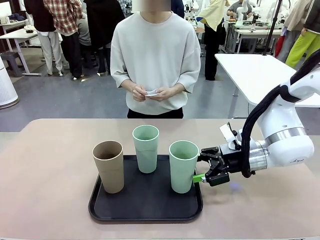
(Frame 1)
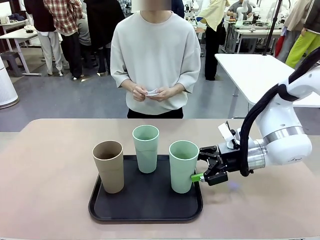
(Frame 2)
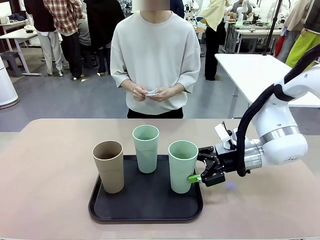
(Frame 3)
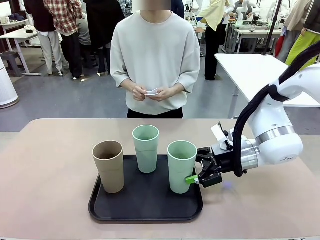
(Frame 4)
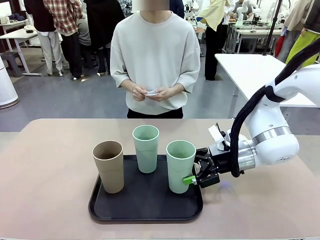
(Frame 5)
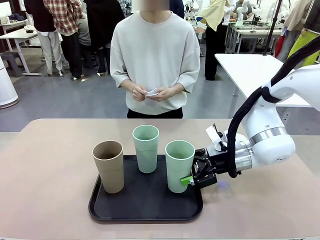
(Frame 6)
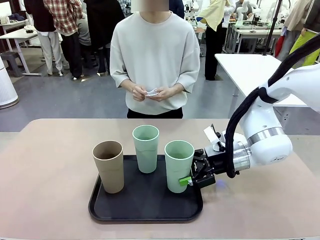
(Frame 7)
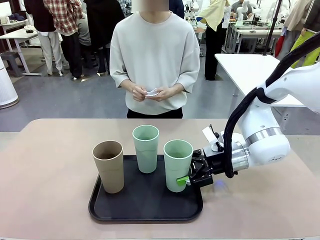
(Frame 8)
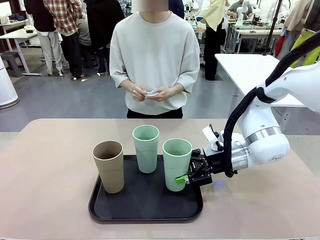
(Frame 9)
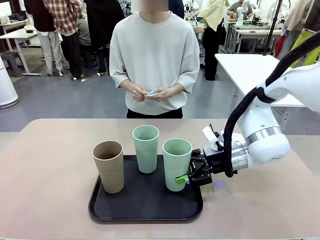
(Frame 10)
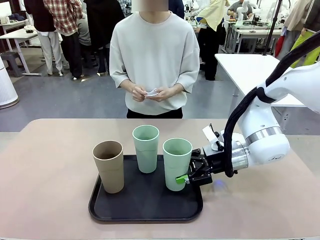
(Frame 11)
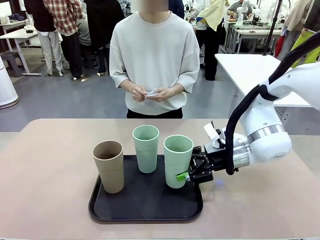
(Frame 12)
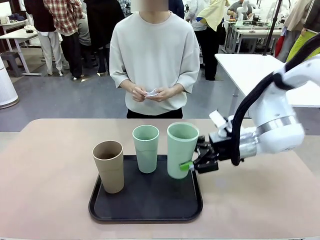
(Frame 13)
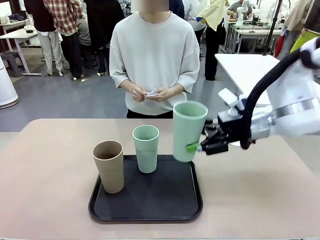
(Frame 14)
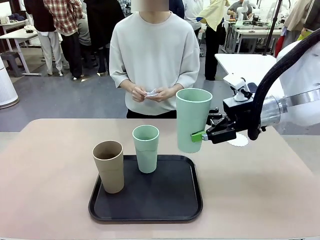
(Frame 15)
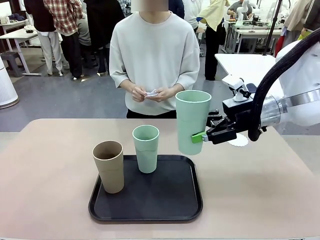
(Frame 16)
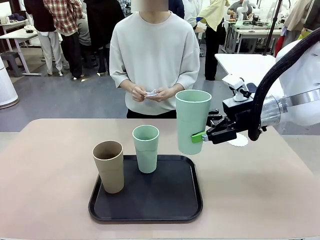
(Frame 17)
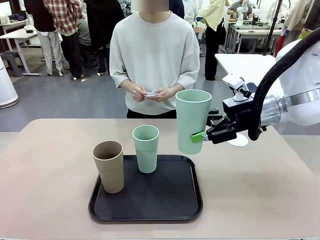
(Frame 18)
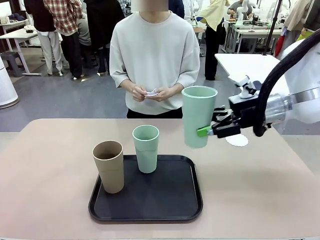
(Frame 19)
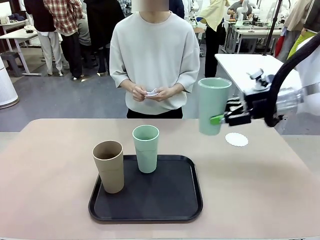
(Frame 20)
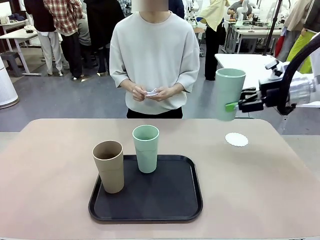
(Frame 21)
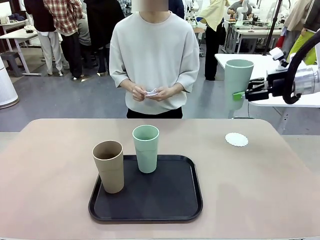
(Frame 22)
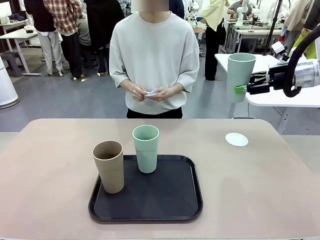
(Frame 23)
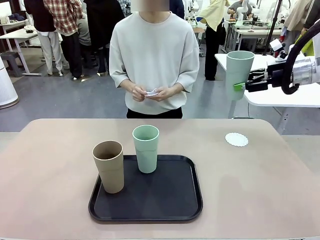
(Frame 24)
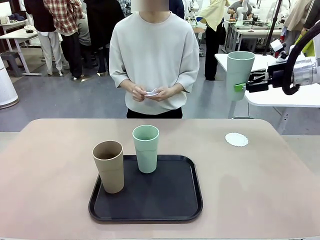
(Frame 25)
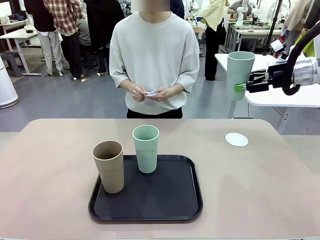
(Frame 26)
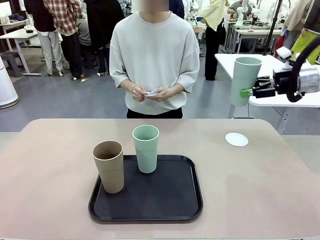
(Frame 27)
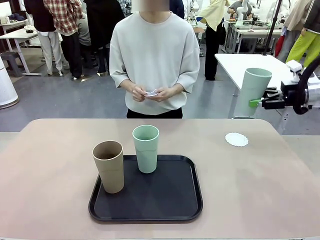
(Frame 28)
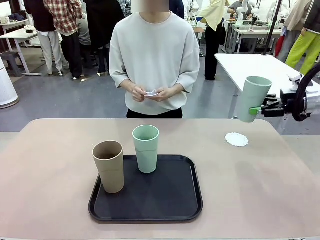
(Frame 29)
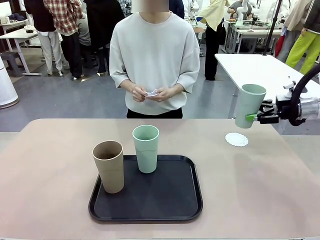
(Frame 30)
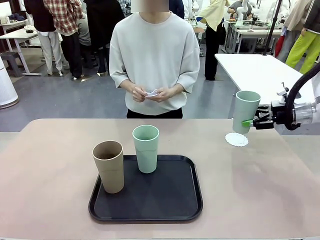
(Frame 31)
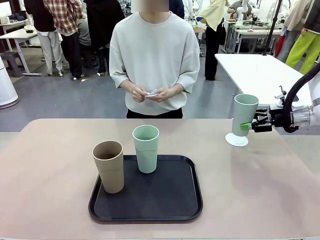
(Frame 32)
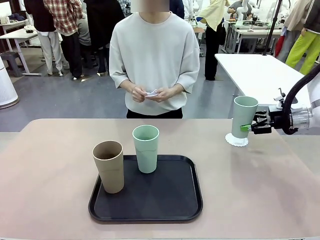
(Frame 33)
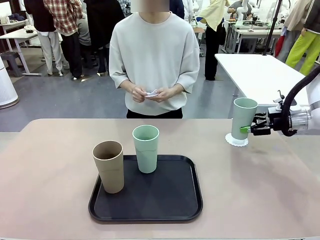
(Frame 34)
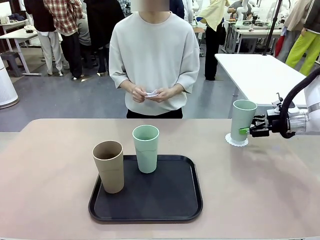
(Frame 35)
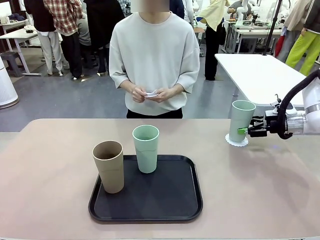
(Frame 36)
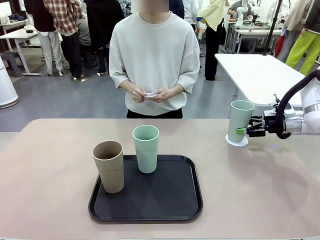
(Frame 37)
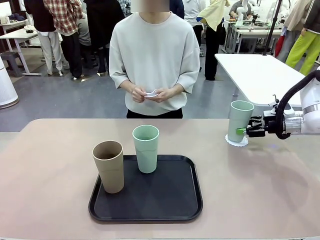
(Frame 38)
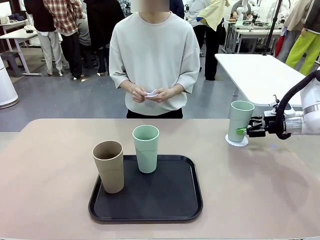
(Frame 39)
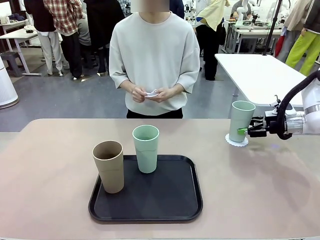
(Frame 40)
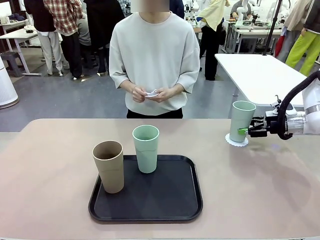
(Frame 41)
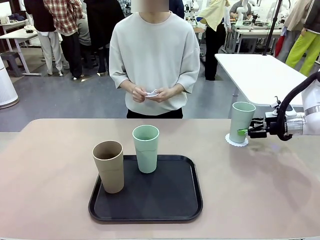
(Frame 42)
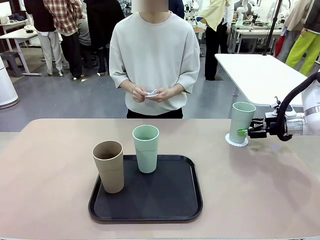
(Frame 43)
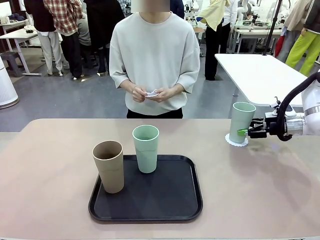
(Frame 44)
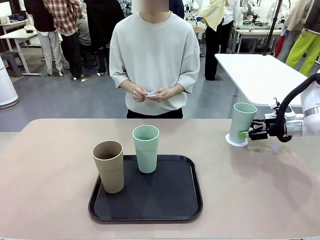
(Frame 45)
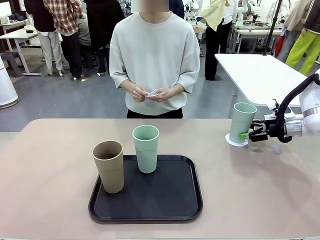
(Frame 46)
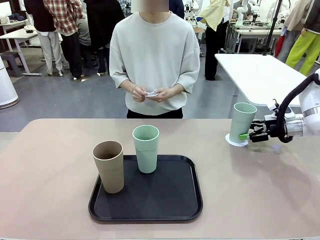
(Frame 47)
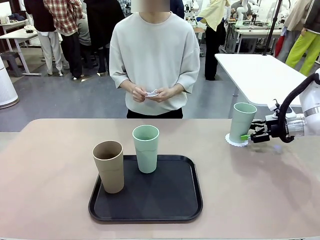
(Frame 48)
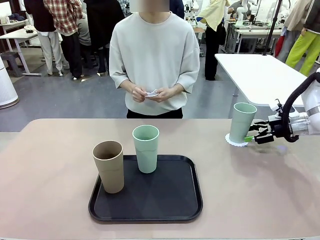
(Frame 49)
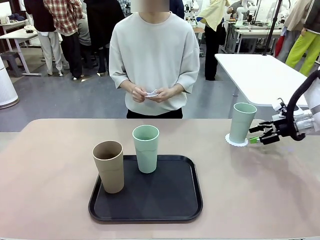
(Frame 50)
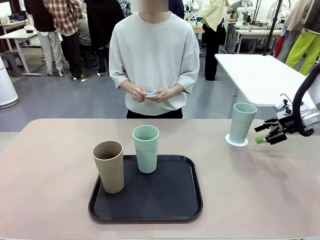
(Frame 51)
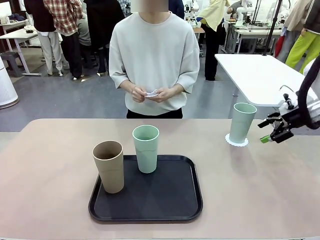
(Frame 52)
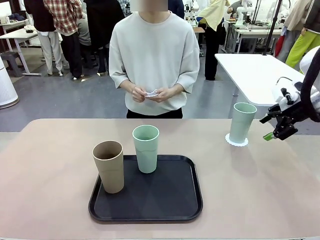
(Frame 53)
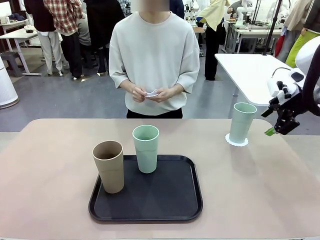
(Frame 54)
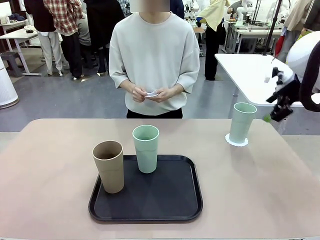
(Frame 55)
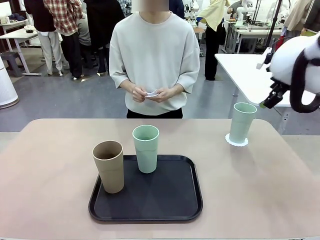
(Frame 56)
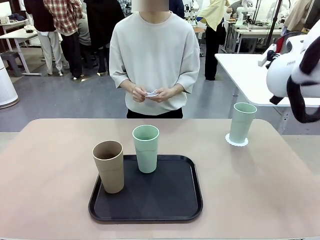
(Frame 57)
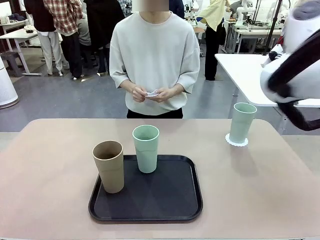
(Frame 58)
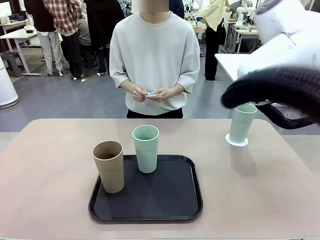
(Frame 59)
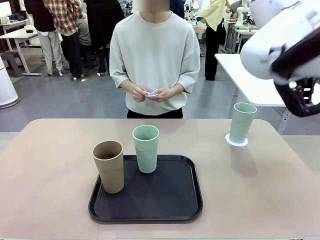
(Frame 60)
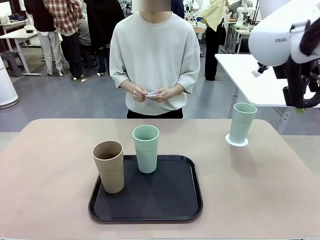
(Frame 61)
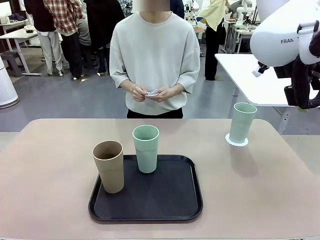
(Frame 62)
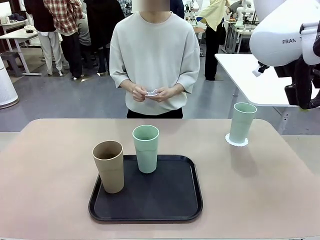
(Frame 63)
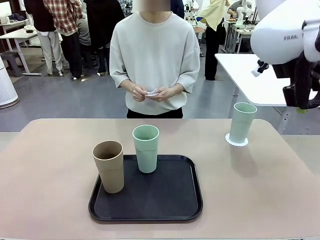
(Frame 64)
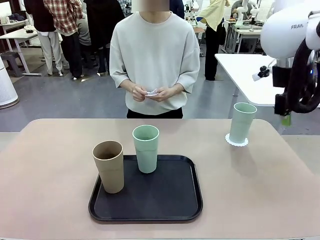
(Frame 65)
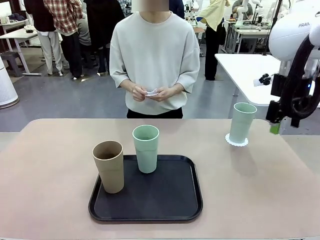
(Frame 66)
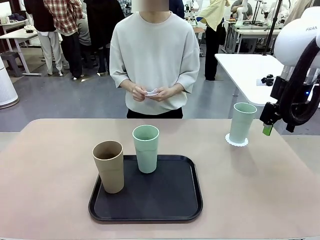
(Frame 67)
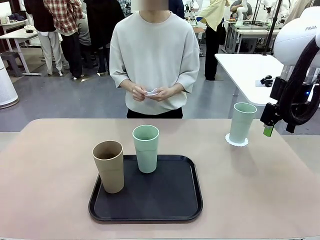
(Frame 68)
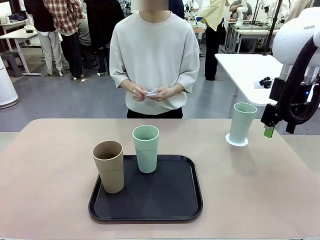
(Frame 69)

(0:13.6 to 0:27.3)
Task: Place coasters on the table and set cups on them.
Robot: Pick up one Reusable plastic cup and place it on a coaster set by the human.
Person: Place one coaster in one of the two areas excluding the previously selected area.
